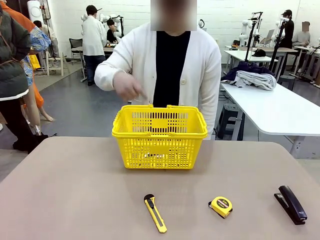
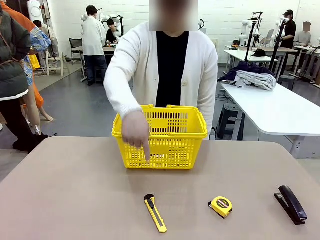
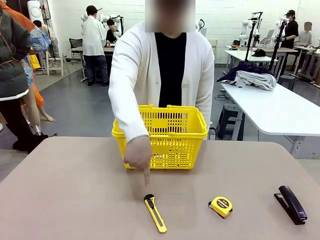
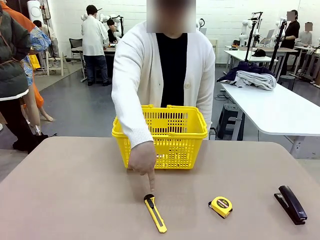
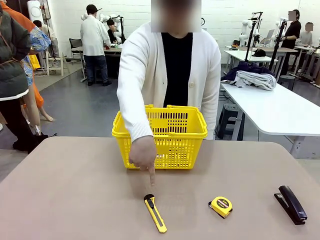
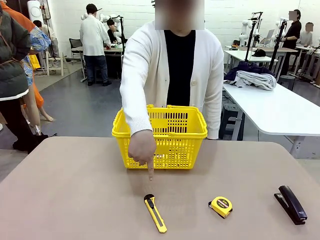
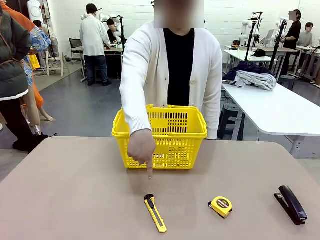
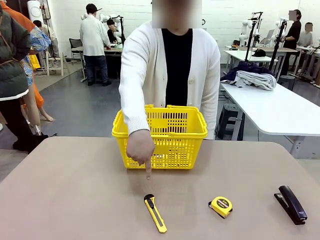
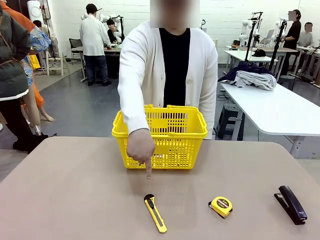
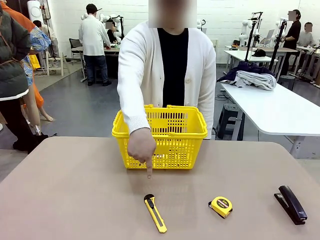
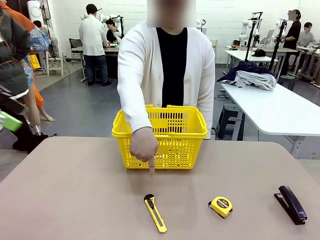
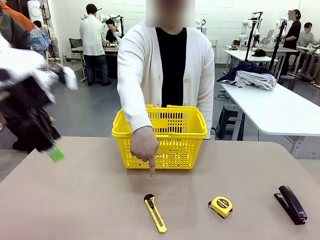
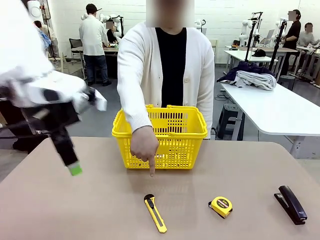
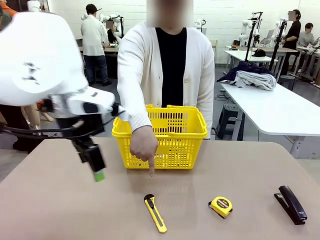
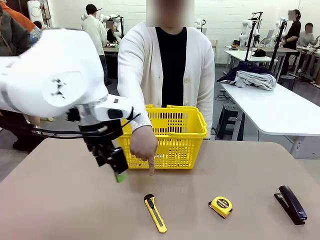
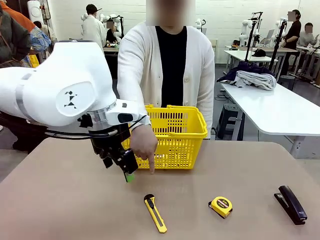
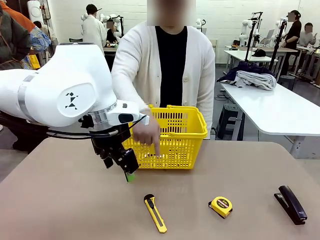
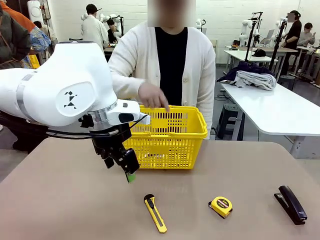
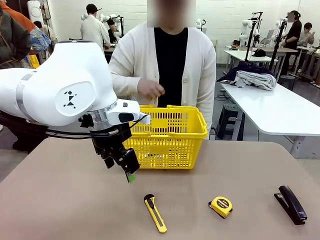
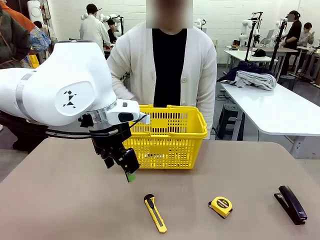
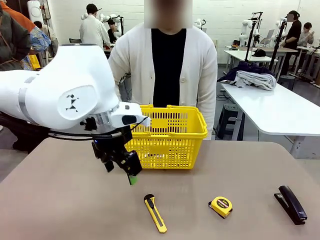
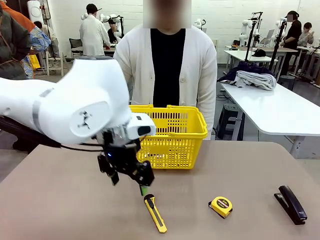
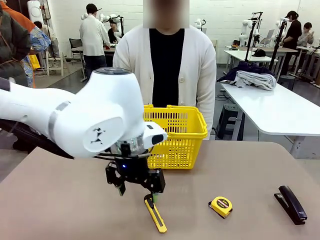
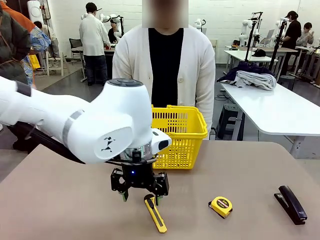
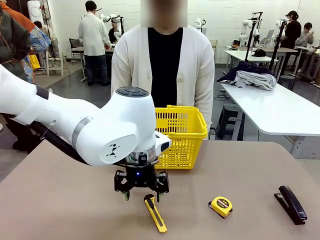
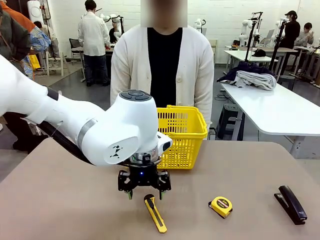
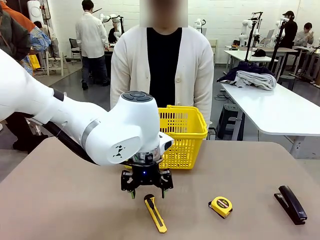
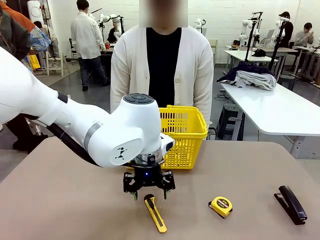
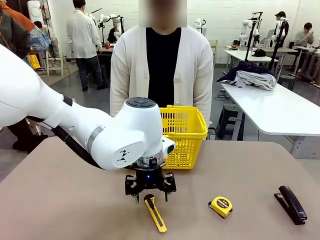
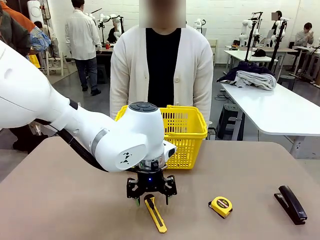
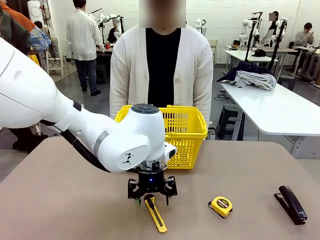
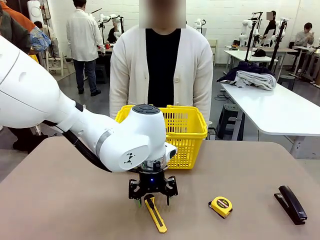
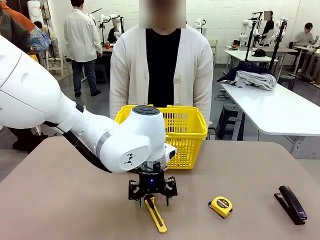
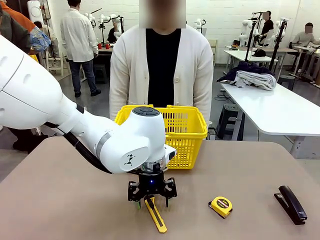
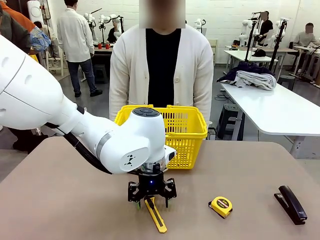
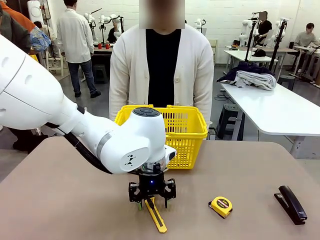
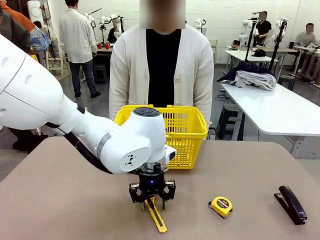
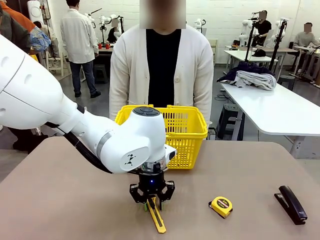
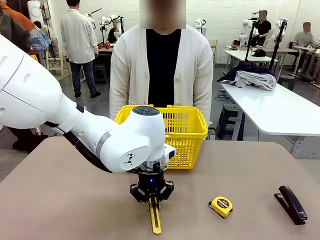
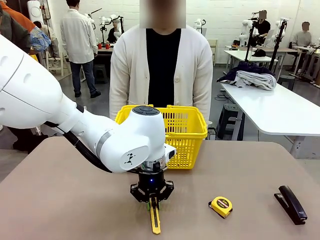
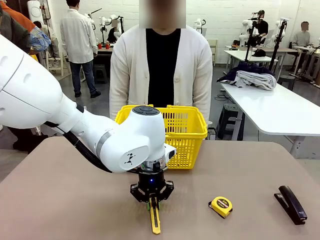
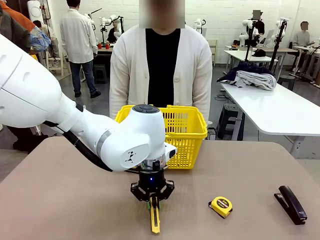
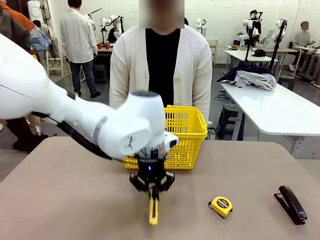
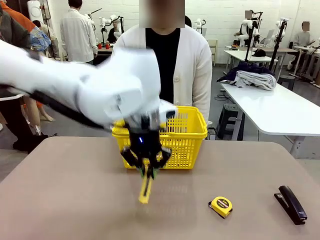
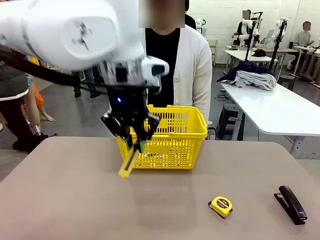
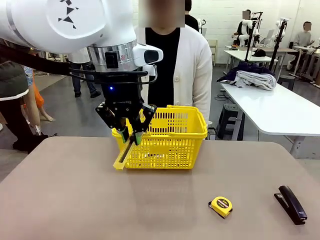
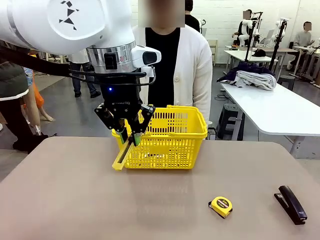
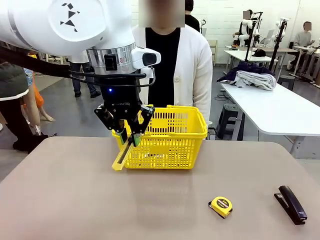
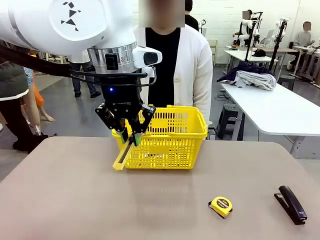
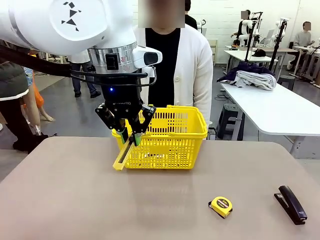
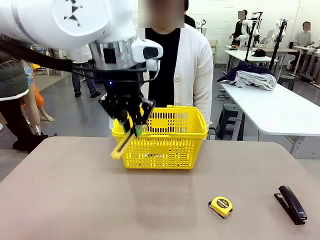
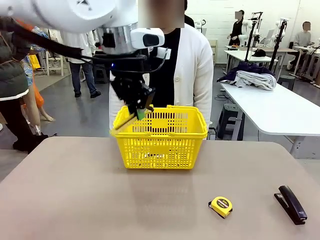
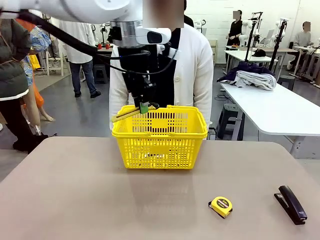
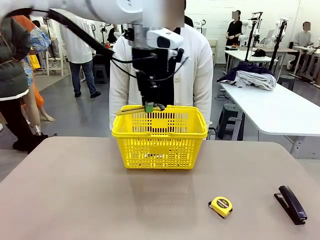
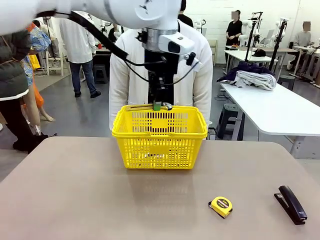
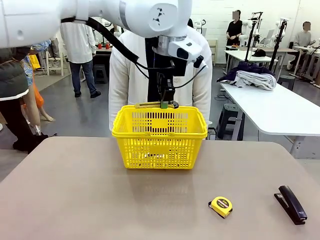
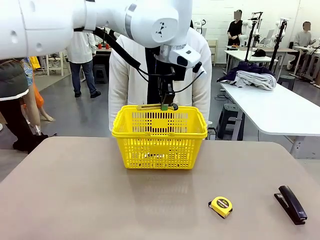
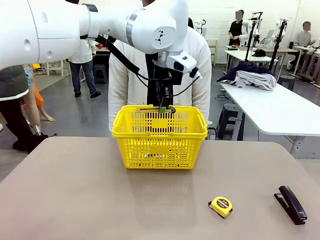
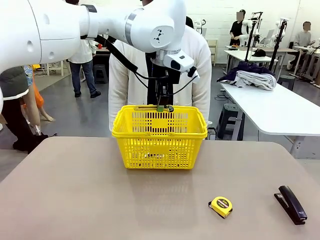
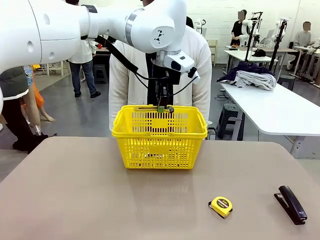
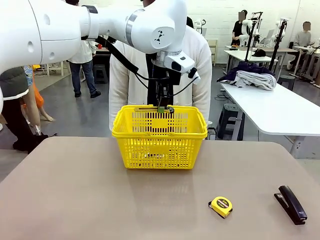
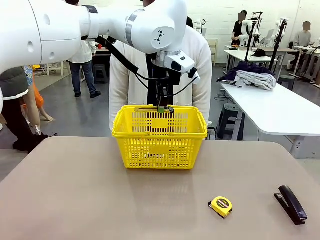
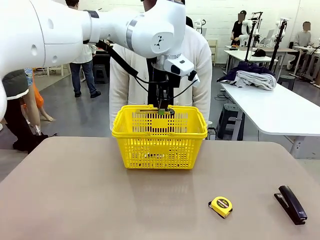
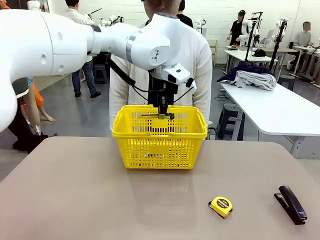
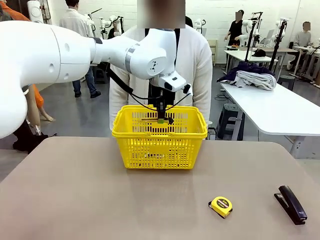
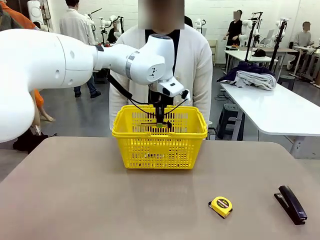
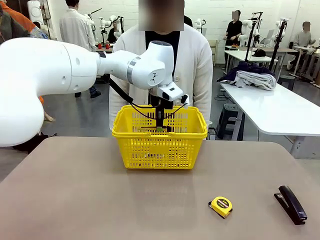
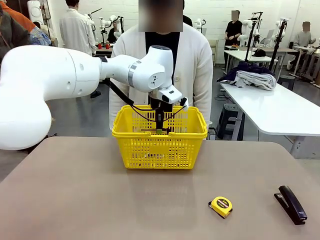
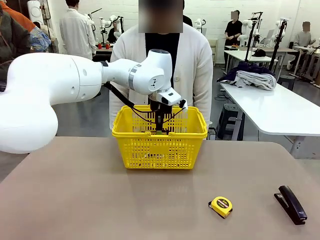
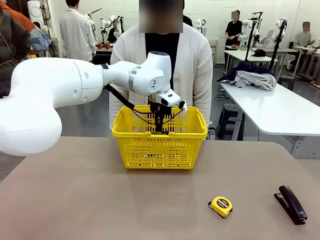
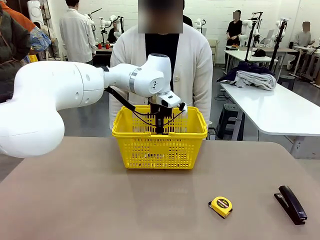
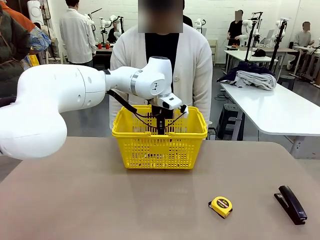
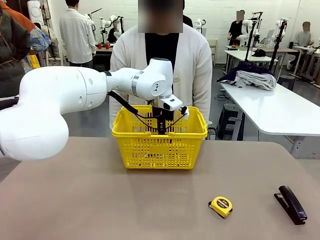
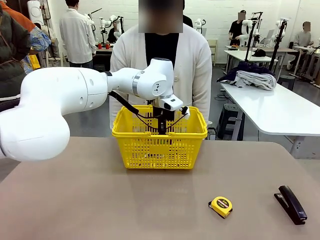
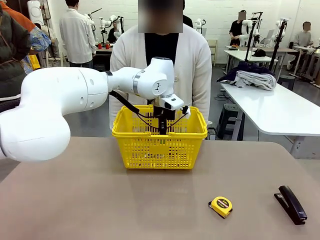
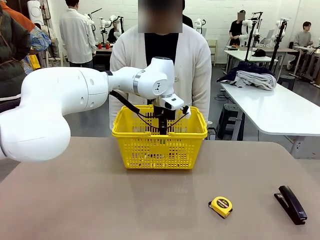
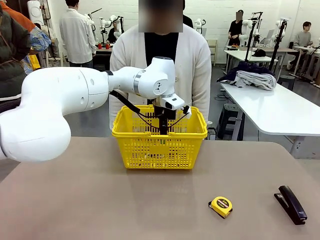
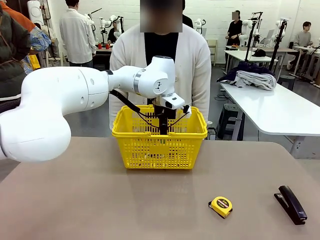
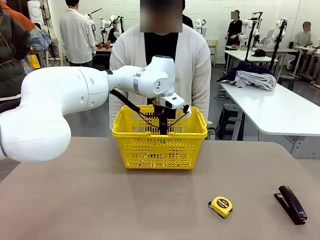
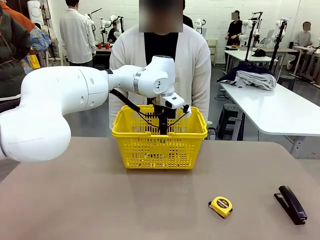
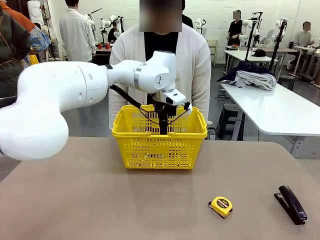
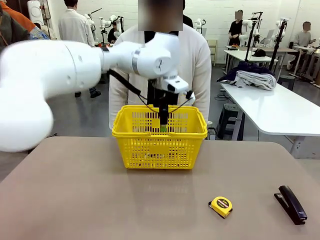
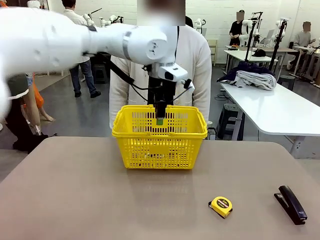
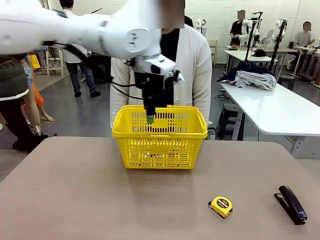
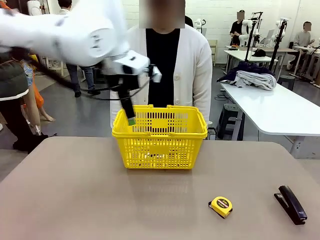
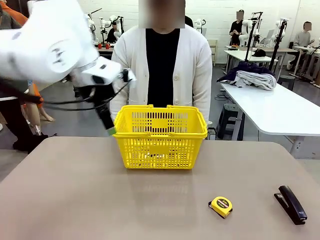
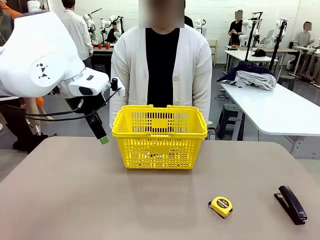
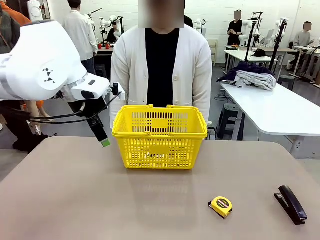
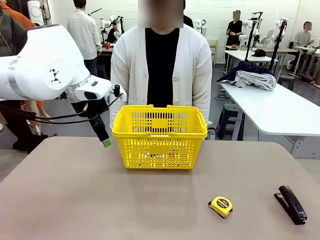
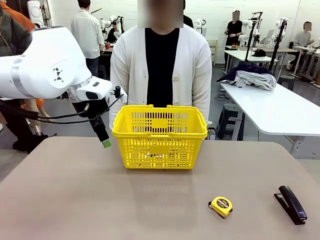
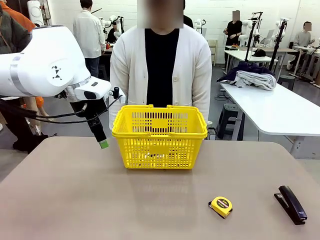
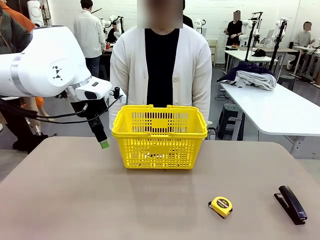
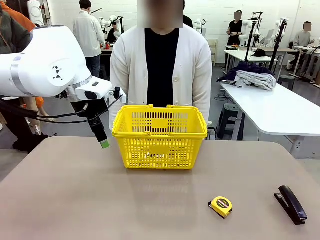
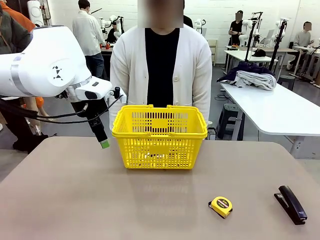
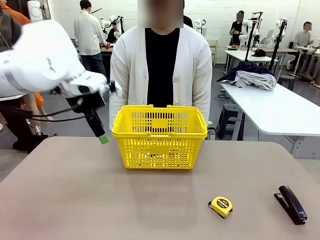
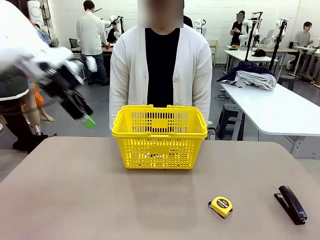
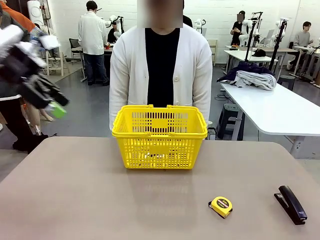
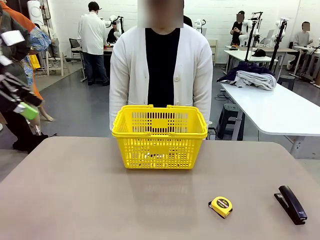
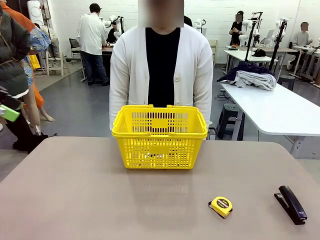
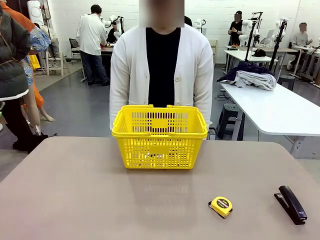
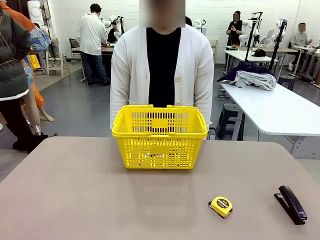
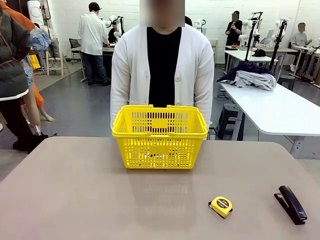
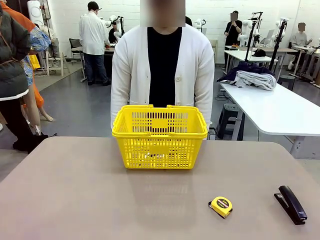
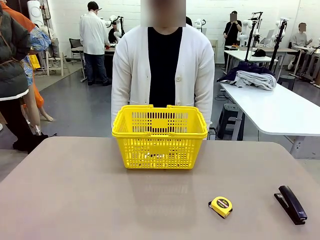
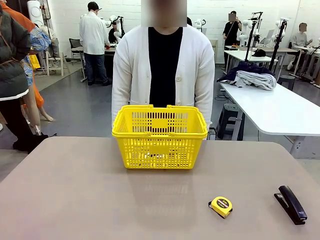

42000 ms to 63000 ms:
Task: Place the items the person wants into the basket.
Robot: Pick up the item the person points to and place it in the Market Basket.
